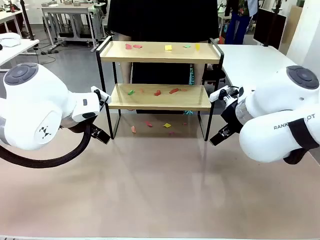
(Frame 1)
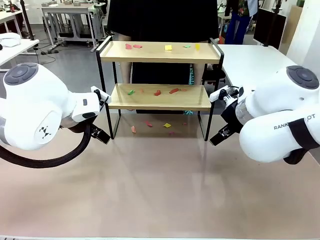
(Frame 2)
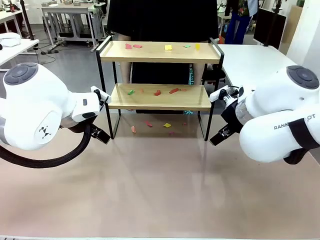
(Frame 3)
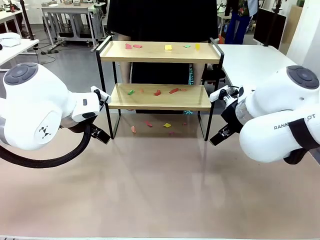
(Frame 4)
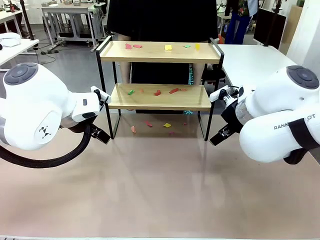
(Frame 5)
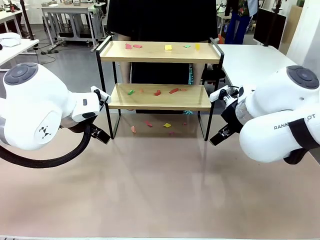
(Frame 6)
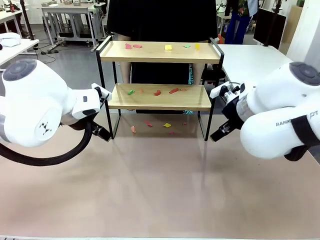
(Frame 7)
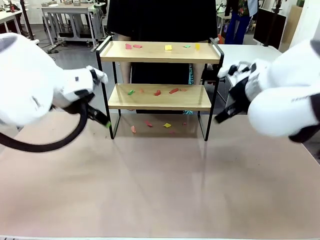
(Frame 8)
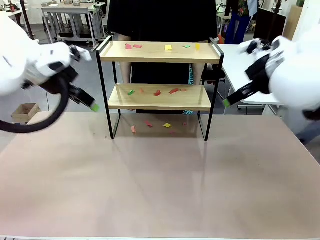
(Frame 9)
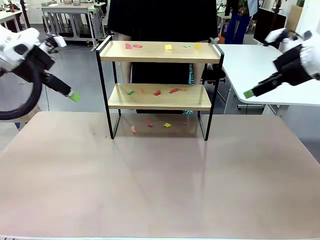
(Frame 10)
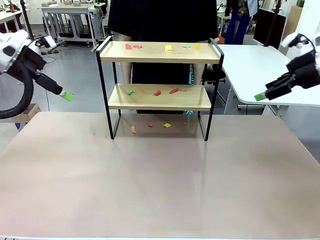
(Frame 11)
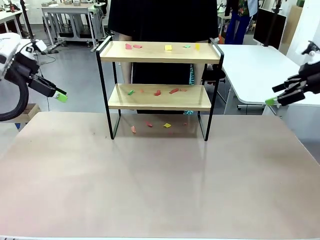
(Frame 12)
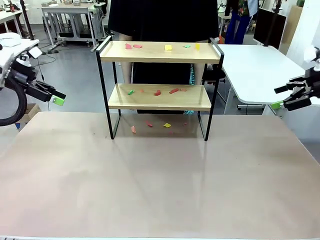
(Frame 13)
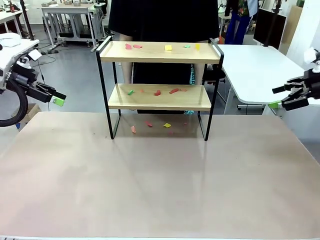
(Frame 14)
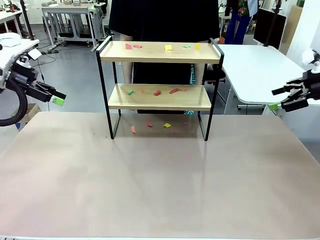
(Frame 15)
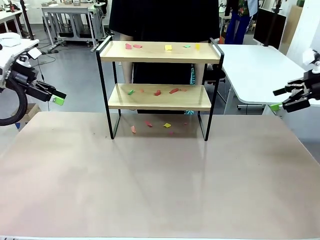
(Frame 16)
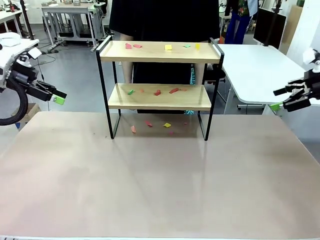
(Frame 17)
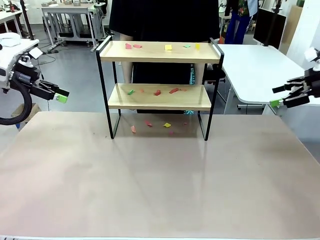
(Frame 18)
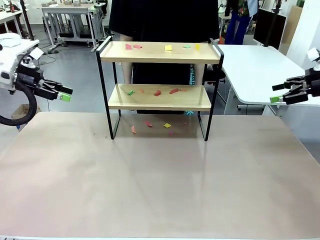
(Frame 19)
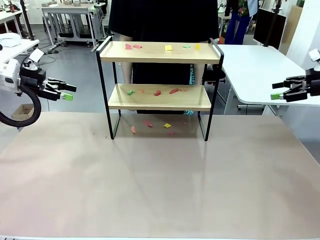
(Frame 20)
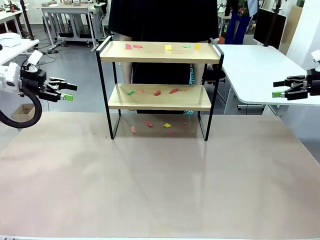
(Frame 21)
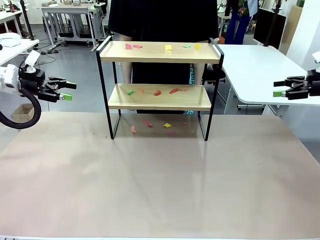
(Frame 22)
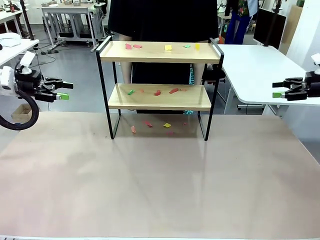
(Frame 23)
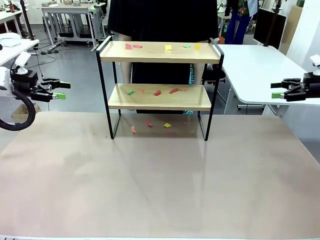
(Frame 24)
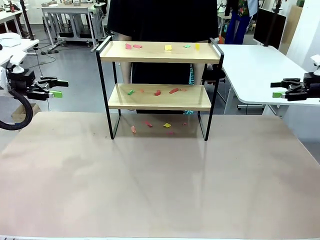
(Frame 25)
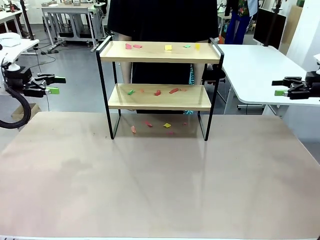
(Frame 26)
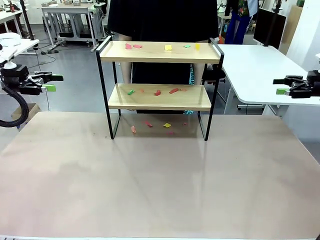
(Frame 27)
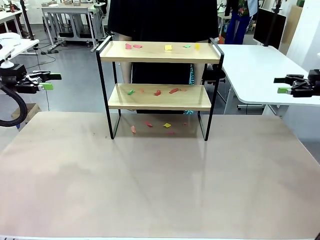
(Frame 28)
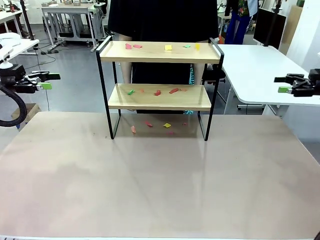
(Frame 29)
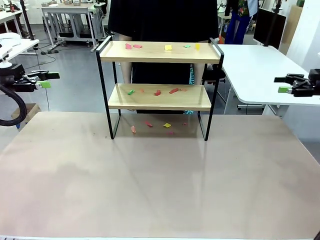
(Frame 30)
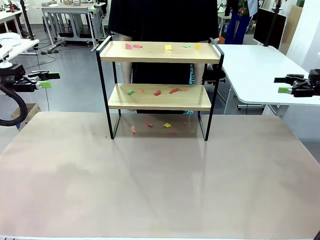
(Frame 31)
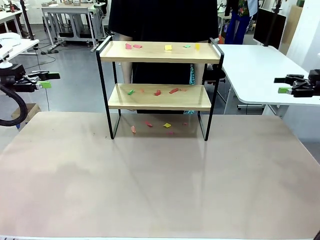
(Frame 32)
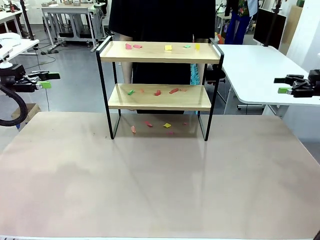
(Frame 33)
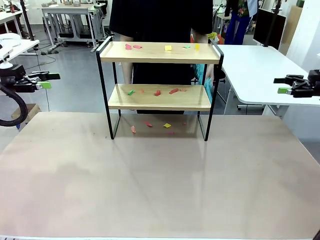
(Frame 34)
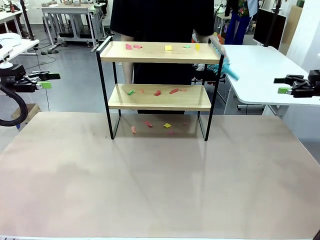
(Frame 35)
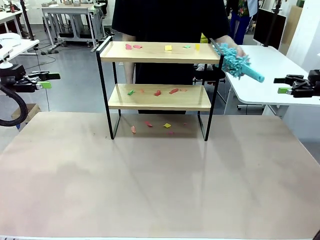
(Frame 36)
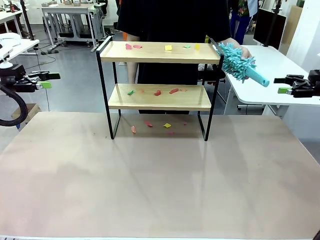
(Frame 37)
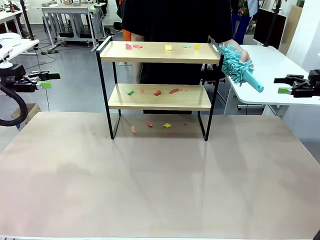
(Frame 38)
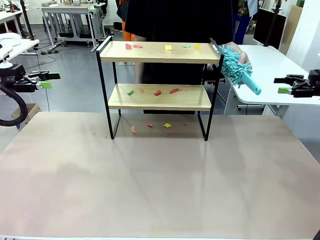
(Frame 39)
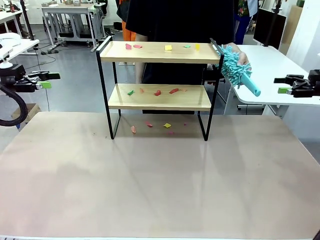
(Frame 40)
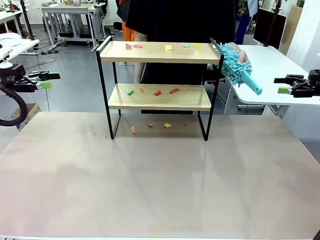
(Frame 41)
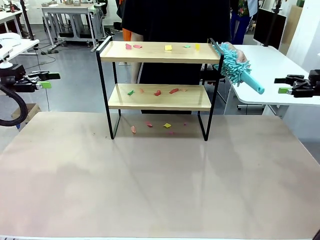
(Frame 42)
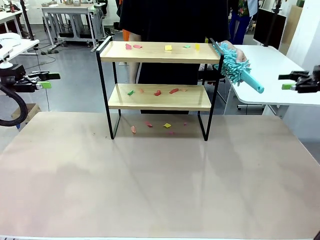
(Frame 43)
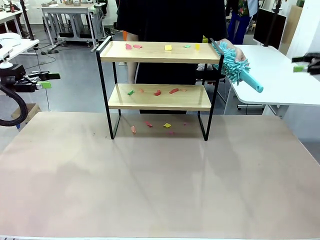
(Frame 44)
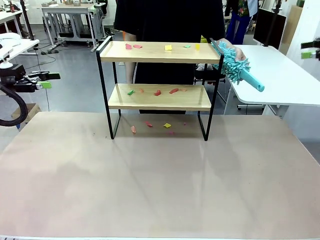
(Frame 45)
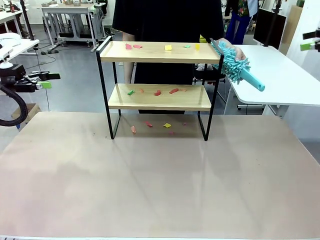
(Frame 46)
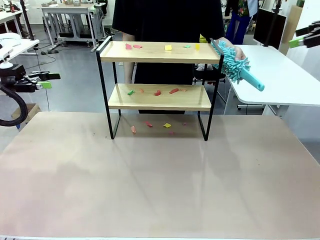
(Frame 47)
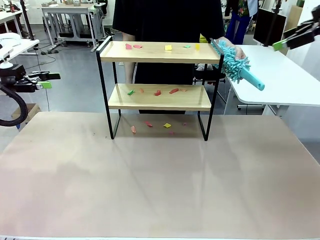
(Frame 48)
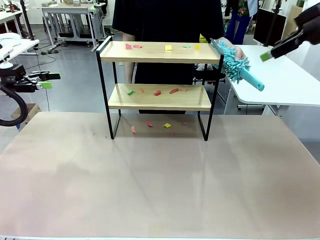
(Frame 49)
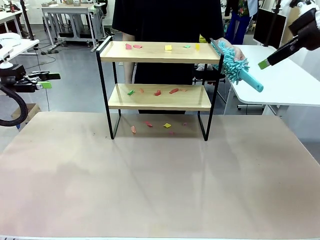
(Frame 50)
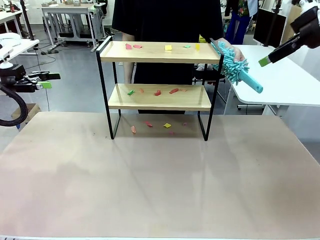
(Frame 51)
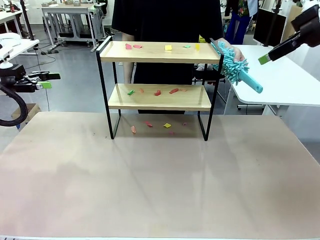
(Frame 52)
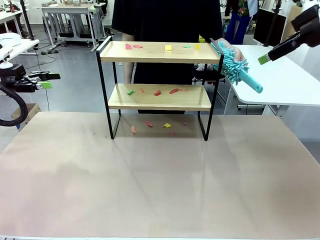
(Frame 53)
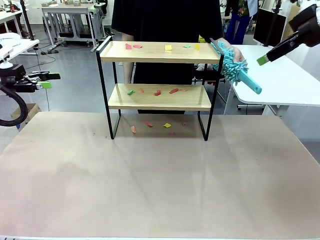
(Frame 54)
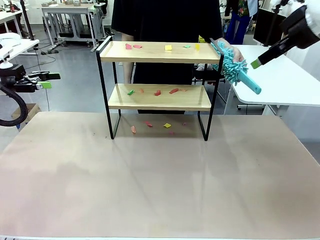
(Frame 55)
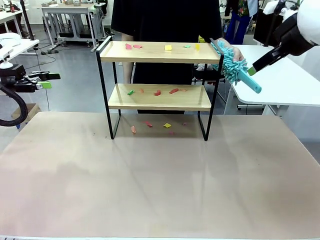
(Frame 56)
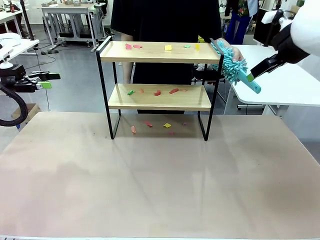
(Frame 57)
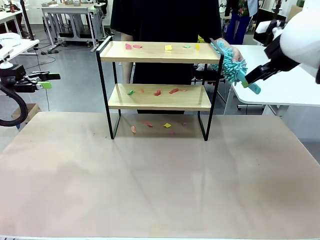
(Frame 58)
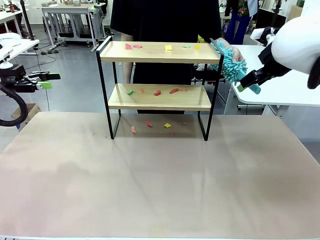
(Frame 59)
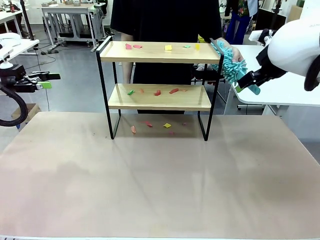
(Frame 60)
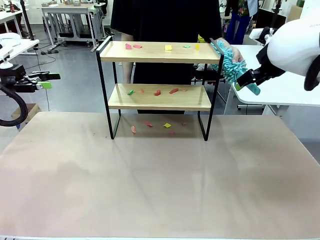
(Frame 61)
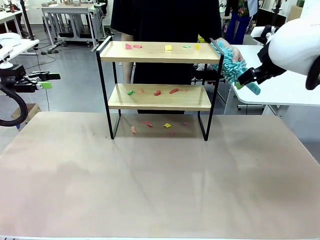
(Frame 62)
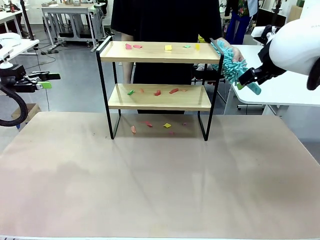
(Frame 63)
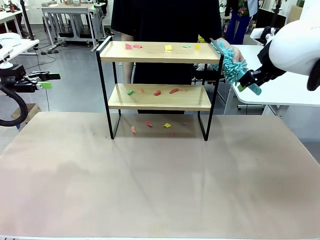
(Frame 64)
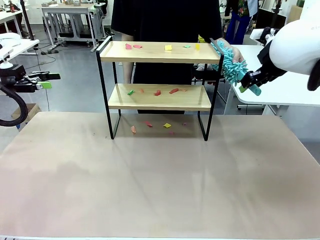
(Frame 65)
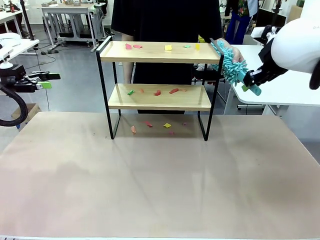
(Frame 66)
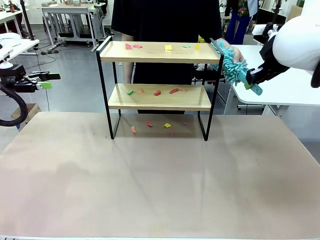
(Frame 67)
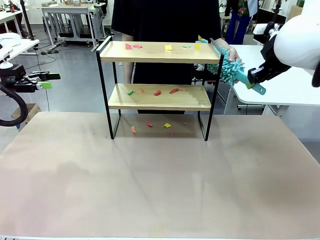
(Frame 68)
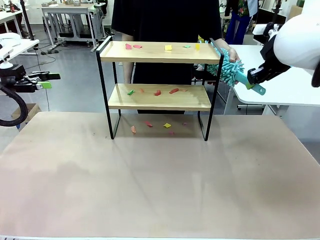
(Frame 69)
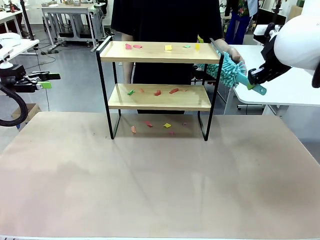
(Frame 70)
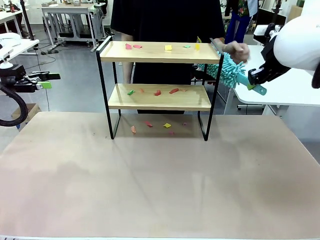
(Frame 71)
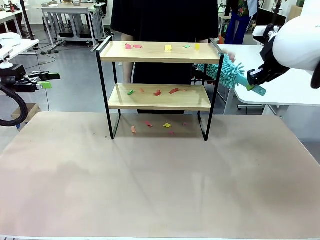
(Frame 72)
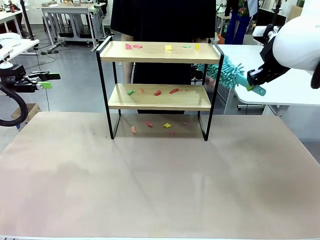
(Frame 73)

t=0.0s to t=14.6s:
Task: Clean the shelf.
Robot: Pick up the Duster handed by the human.
Person: Hand the Duster to the robot.
